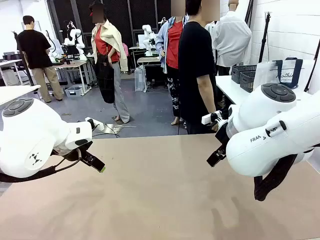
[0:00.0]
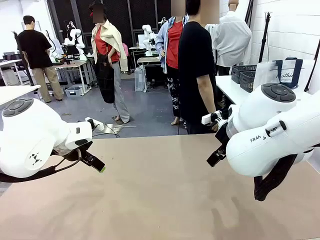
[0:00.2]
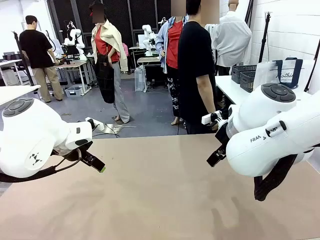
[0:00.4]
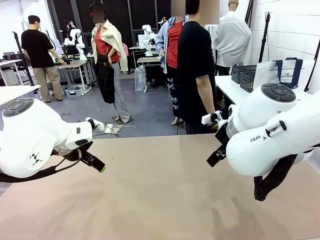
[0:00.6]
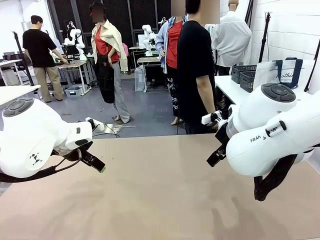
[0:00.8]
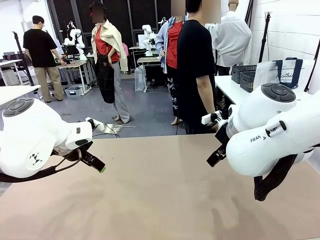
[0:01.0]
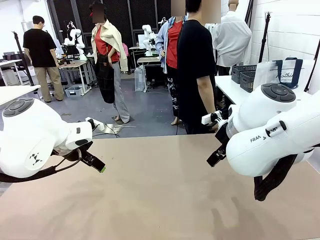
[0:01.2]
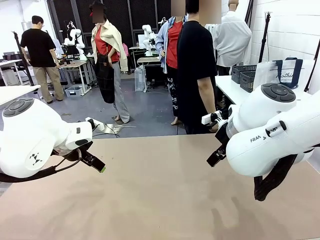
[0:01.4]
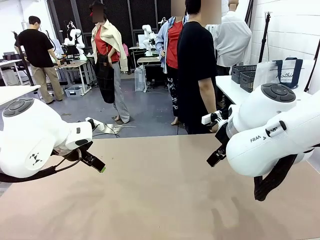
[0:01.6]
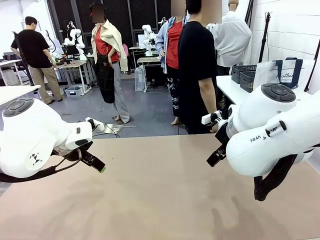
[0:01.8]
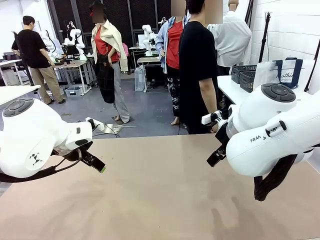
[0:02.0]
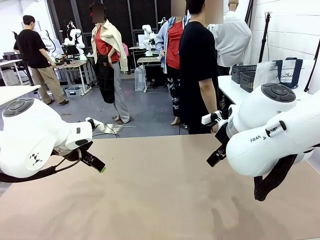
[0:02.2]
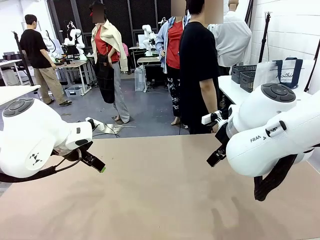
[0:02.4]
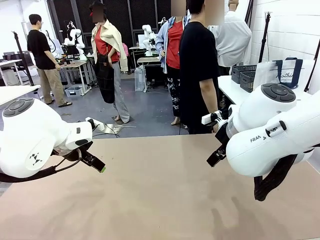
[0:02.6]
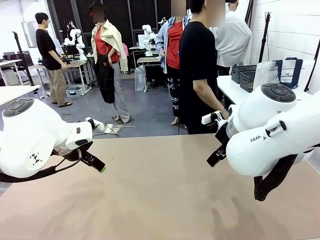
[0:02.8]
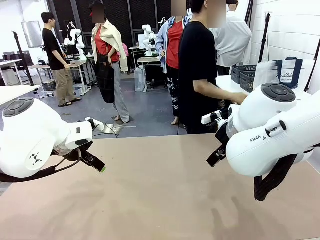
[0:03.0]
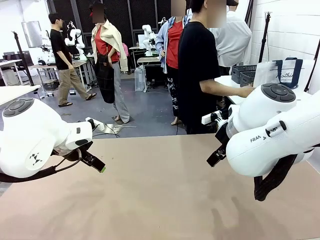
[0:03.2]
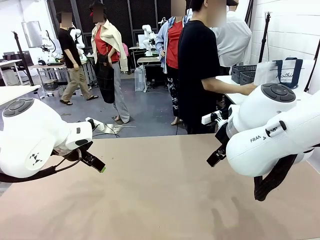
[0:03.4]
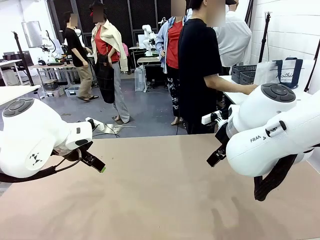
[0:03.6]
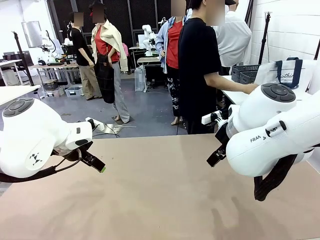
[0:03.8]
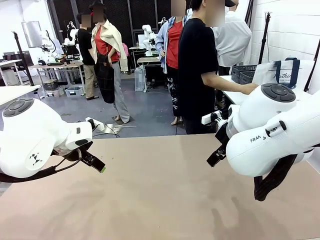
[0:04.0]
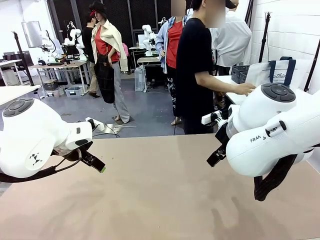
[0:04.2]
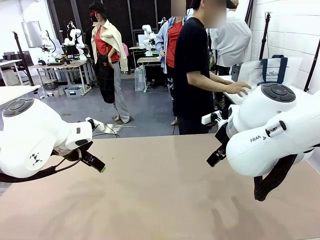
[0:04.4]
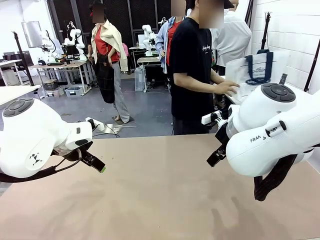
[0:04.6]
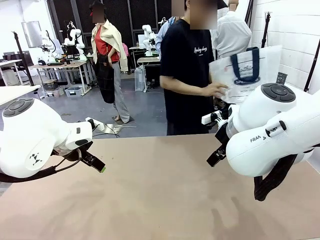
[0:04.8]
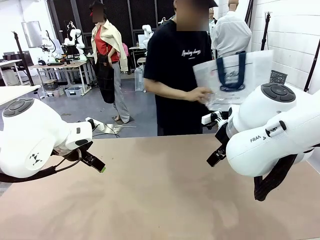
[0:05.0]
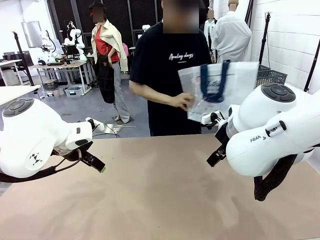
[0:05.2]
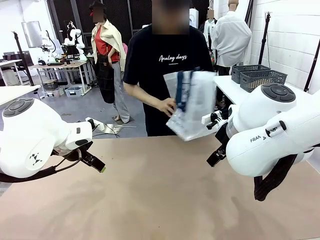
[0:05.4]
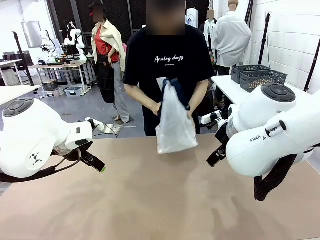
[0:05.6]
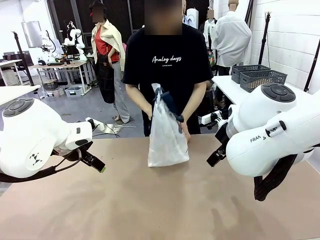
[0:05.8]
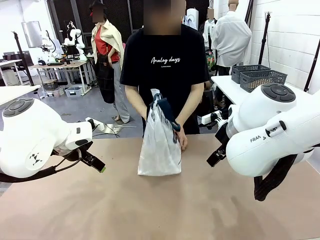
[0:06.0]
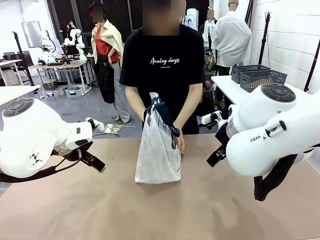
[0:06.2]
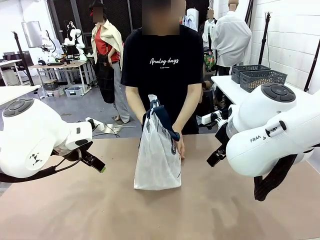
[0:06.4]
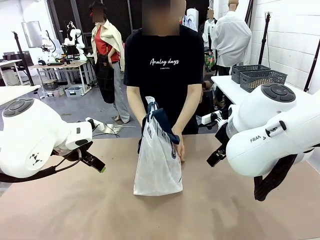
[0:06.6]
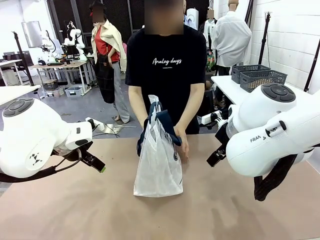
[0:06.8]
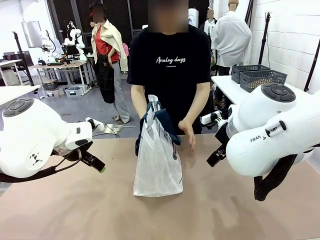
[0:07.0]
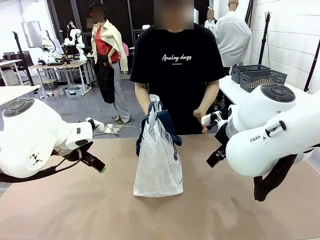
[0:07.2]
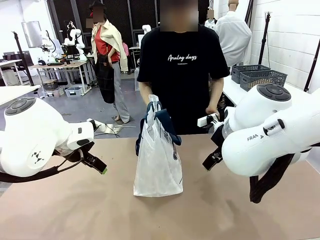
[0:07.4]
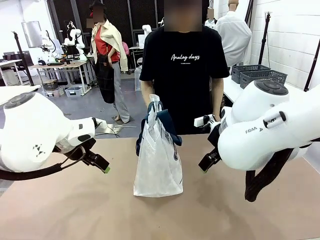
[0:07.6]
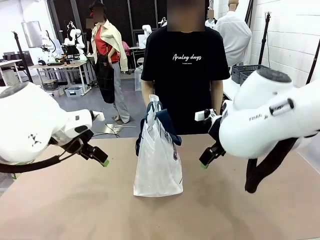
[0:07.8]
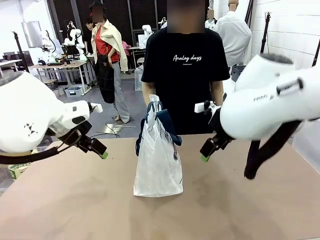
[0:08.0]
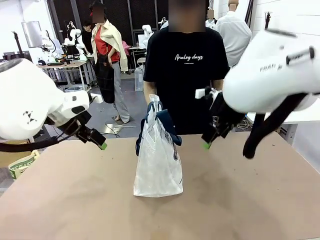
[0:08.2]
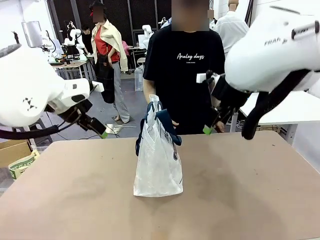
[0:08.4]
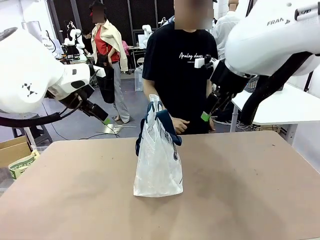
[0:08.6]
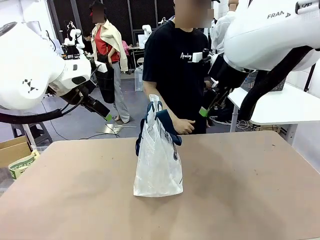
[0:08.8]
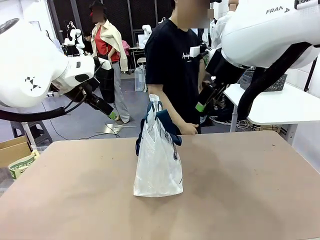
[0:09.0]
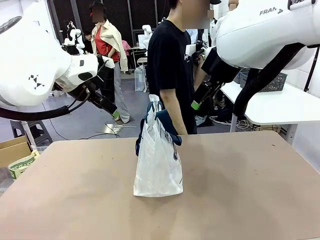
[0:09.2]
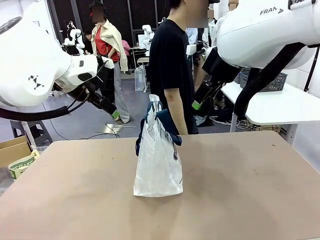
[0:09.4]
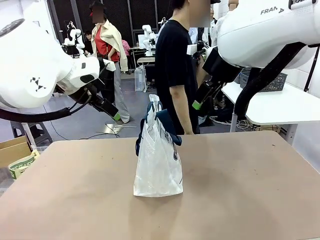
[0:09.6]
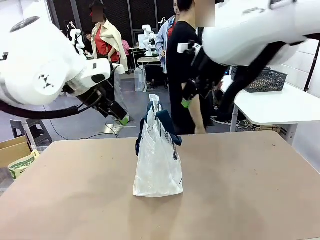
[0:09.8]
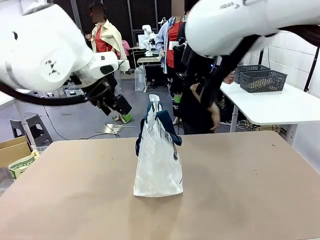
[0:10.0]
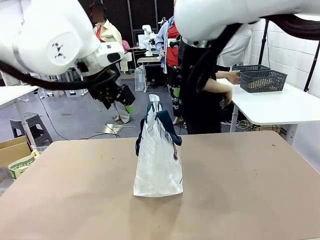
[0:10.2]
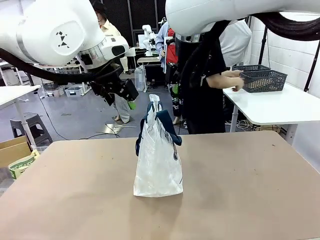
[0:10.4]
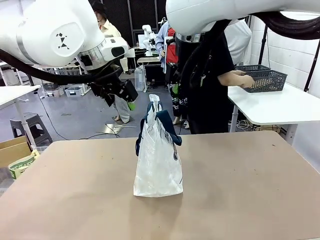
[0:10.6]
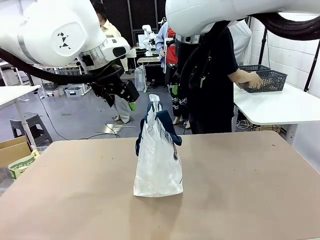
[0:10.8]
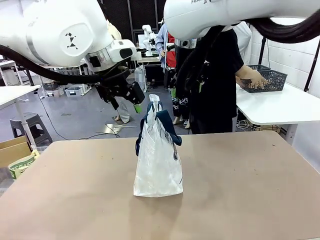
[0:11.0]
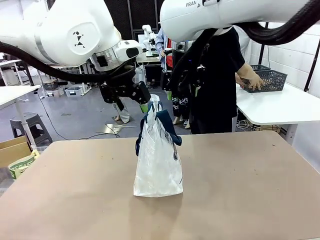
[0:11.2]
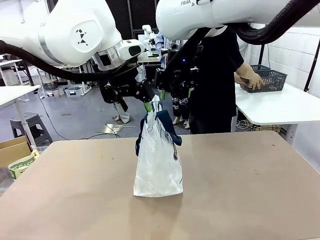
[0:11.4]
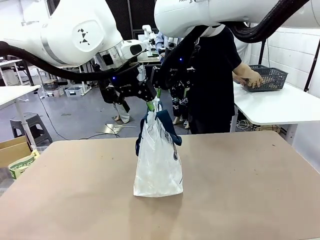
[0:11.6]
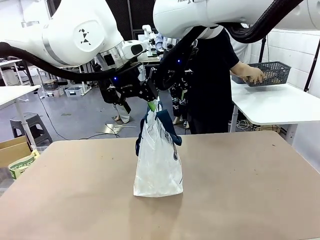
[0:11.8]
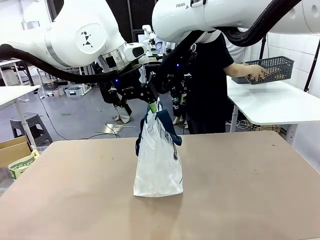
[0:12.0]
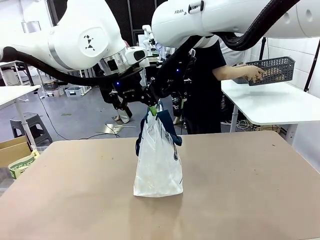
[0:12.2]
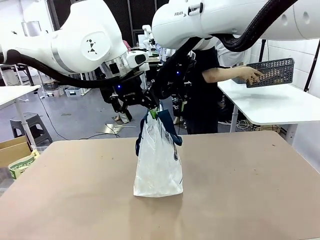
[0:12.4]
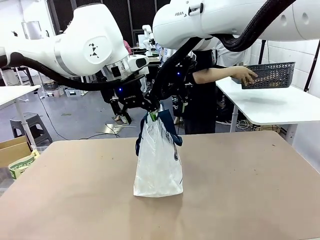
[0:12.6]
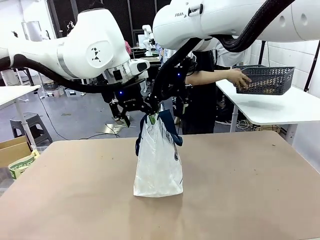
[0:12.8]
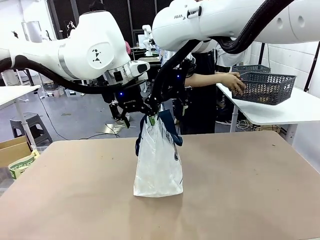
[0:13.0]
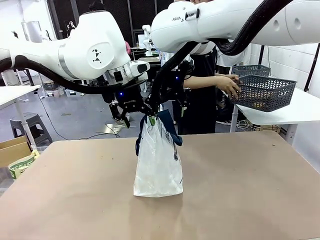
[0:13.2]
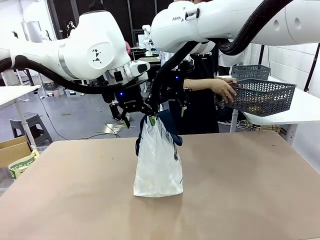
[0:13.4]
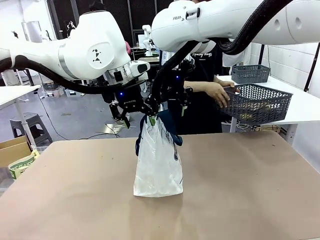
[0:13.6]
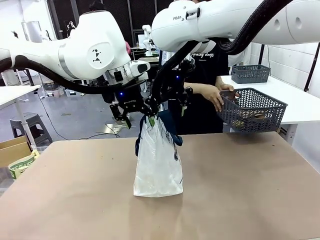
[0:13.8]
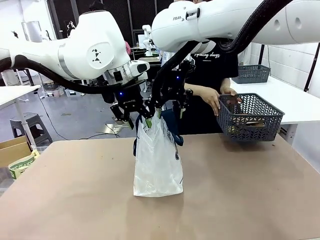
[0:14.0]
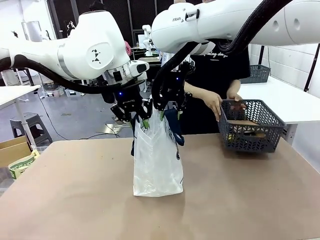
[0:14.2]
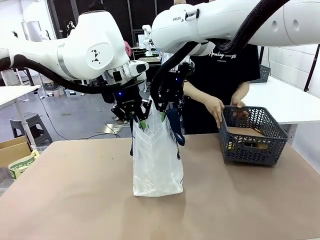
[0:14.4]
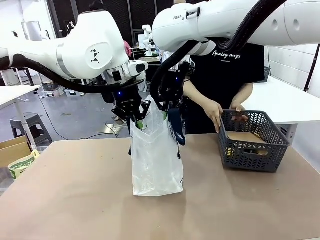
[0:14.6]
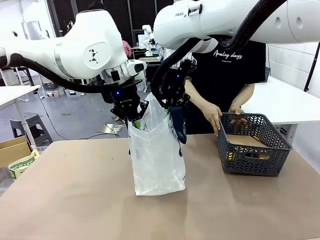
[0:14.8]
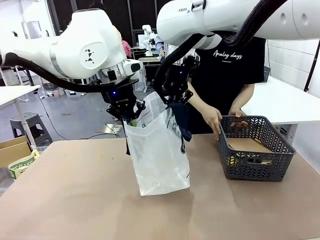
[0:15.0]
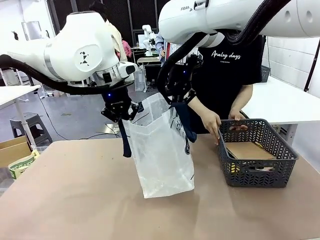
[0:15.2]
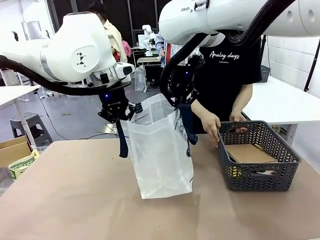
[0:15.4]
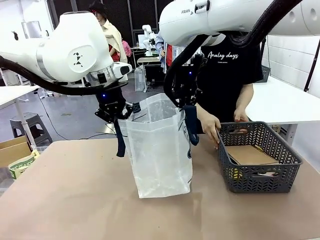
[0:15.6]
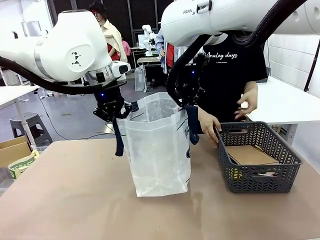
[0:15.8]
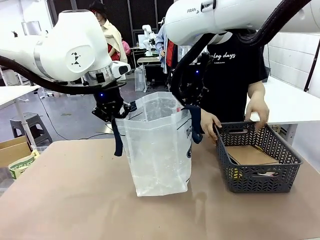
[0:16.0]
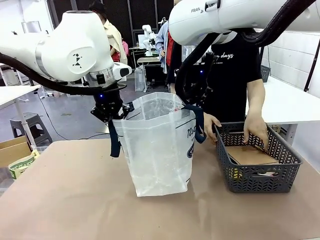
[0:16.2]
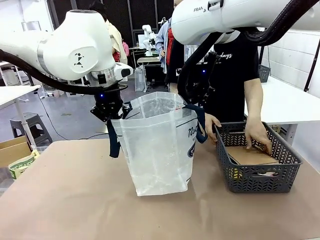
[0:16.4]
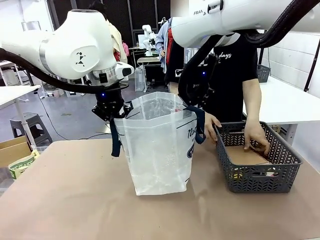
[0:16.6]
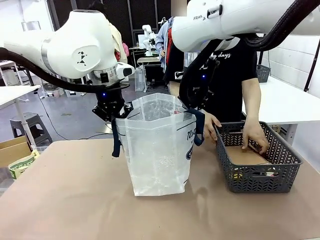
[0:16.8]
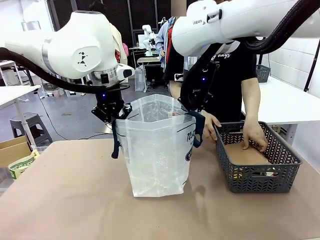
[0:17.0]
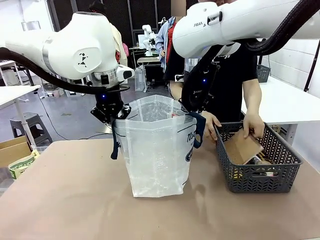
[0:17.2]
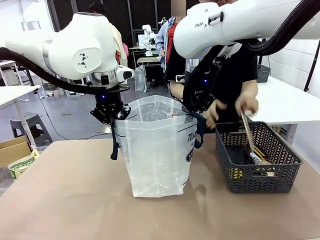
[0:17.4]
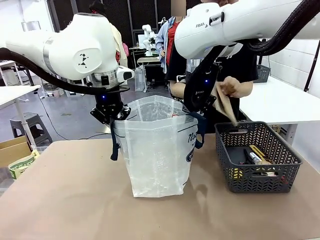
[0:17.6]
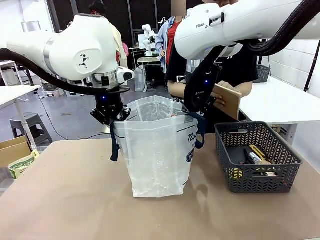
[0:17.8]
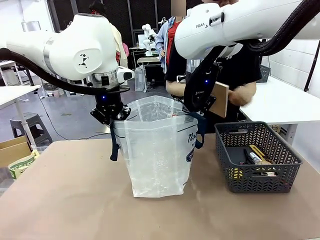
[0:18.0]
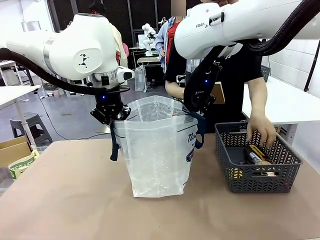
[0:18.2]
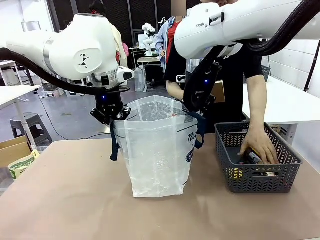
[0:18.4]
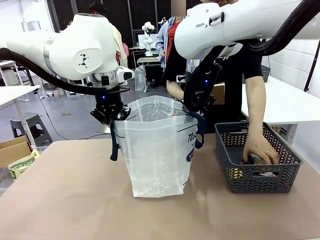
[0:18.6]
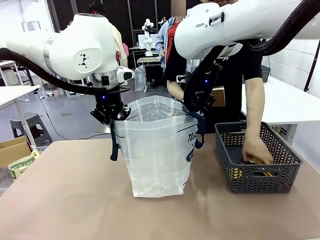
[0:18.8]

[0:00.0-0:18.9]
Task: Transfer purchased items from the store into the shopping bag.
Robot: Open the Reusable shopping bag in the center of the table.
Person: Pick up the shopping bag and place it in the middle of the robot table.
